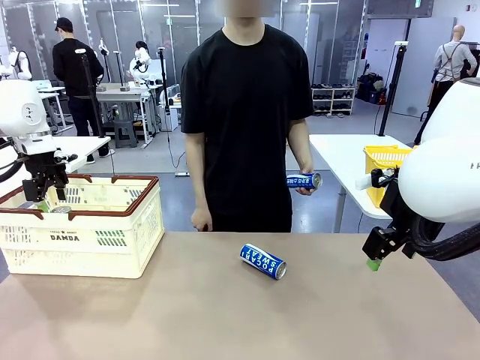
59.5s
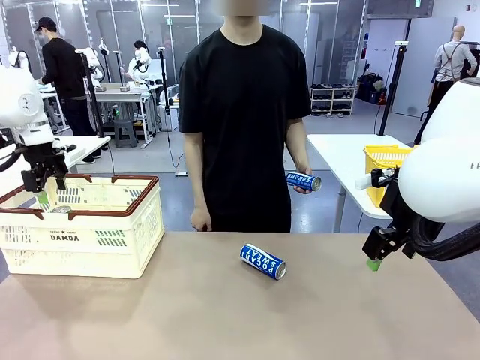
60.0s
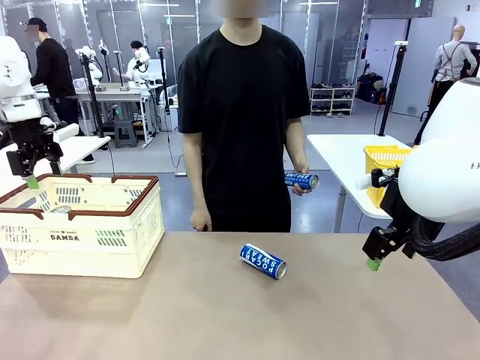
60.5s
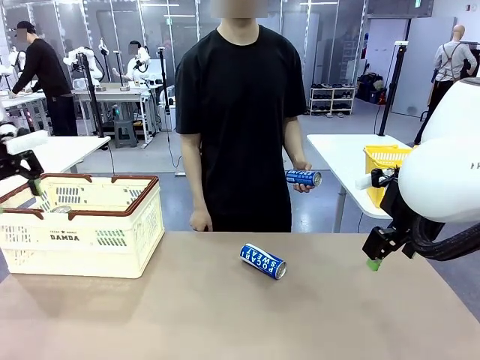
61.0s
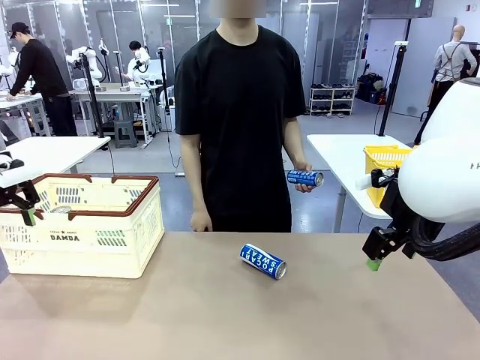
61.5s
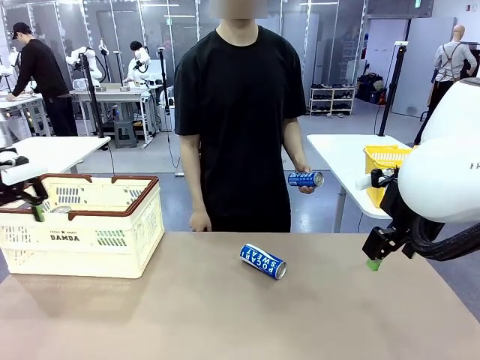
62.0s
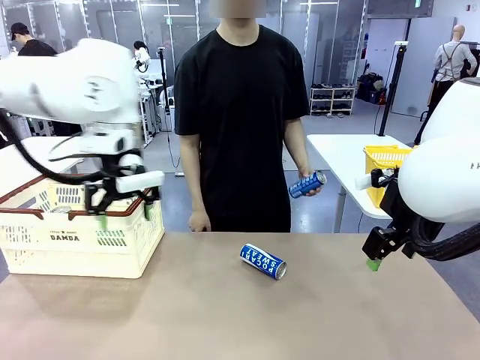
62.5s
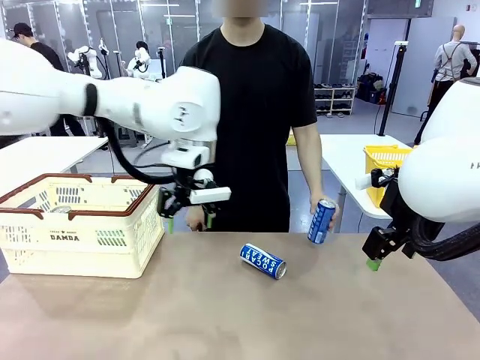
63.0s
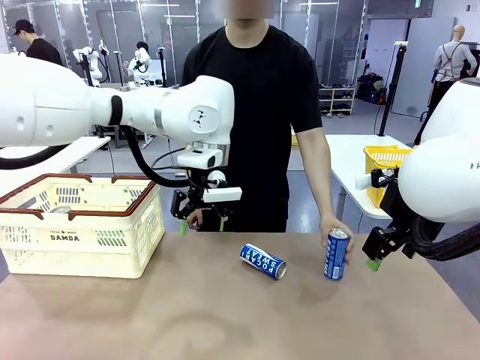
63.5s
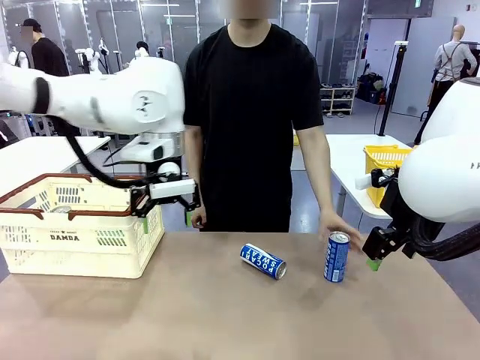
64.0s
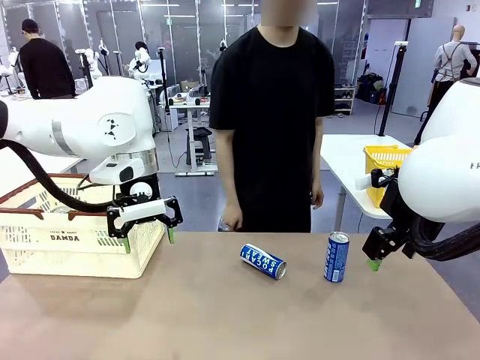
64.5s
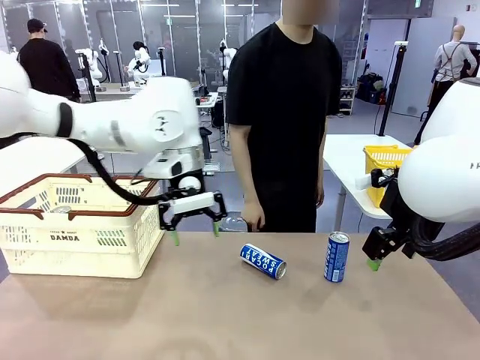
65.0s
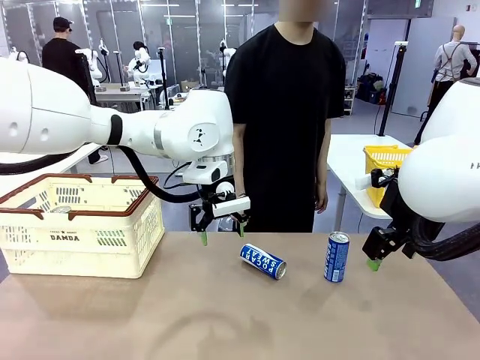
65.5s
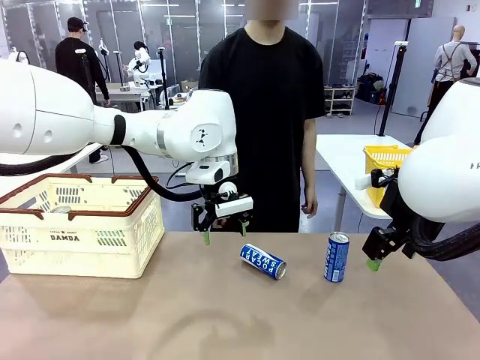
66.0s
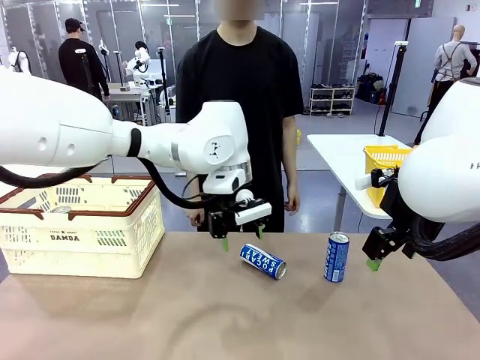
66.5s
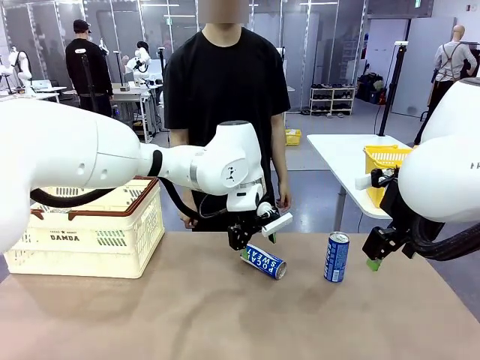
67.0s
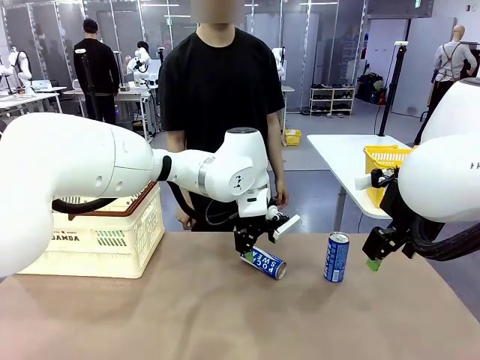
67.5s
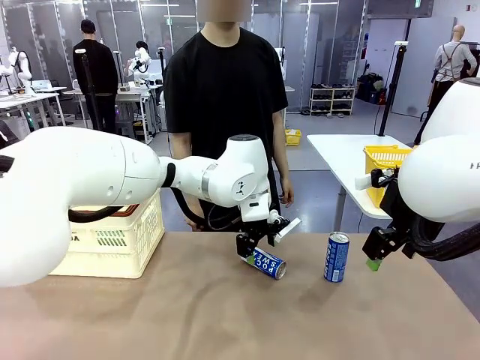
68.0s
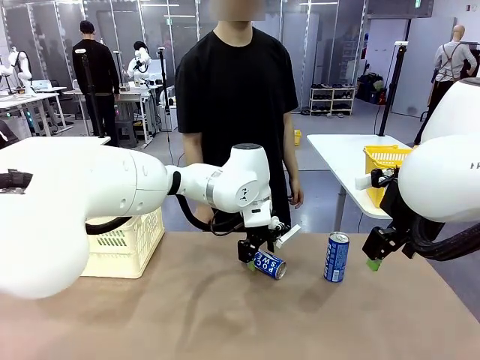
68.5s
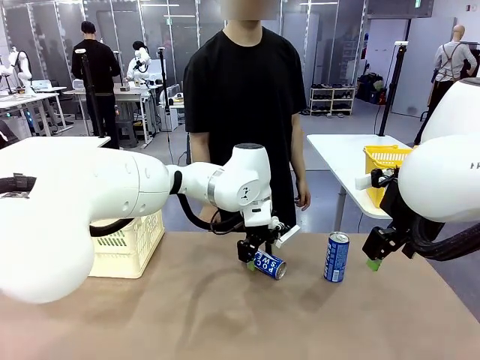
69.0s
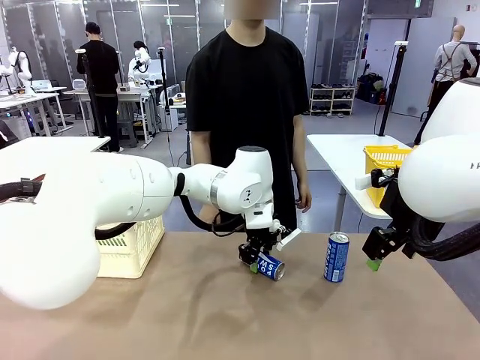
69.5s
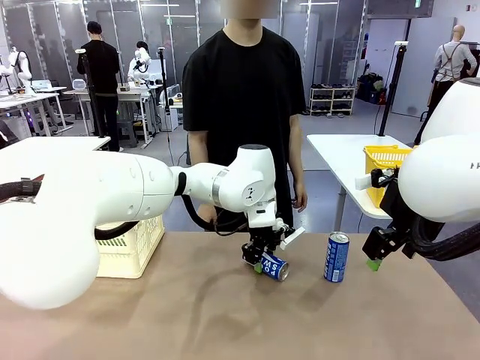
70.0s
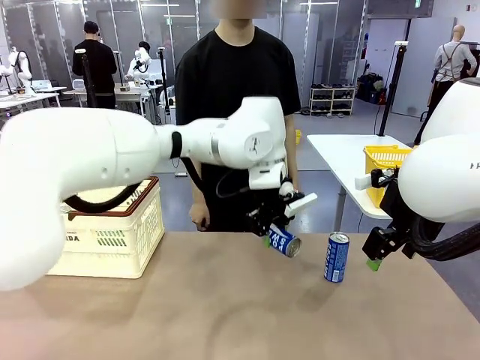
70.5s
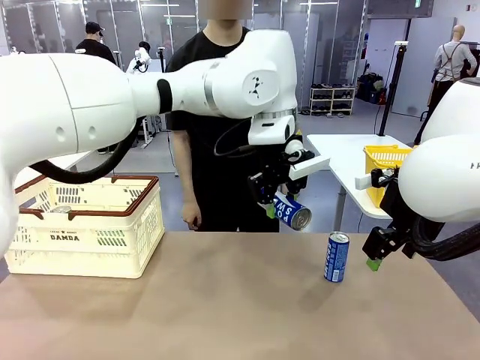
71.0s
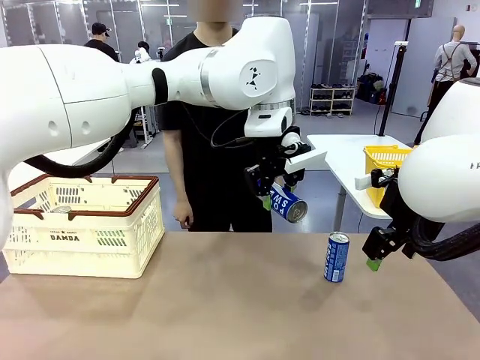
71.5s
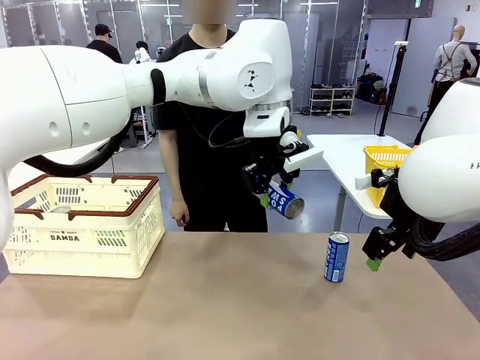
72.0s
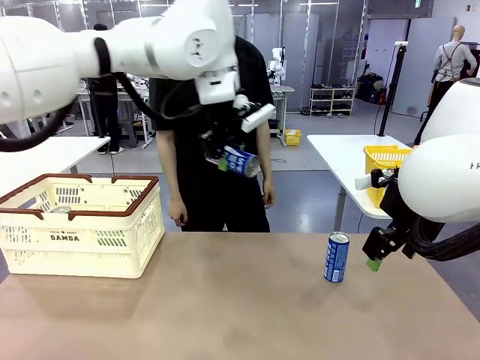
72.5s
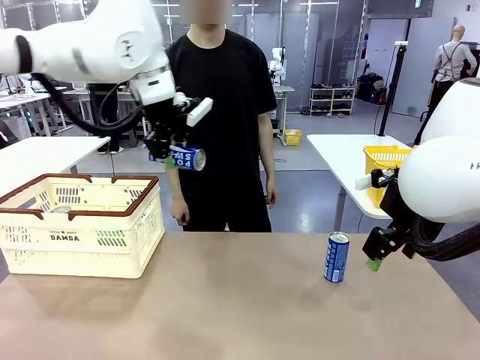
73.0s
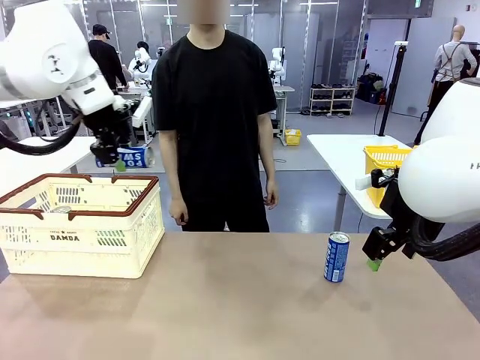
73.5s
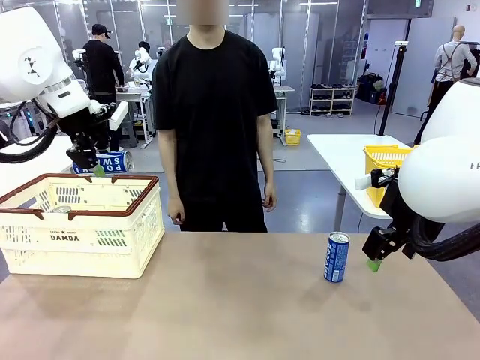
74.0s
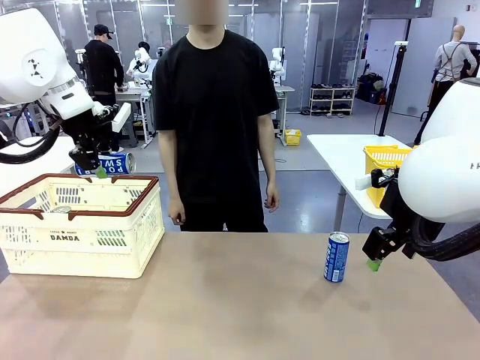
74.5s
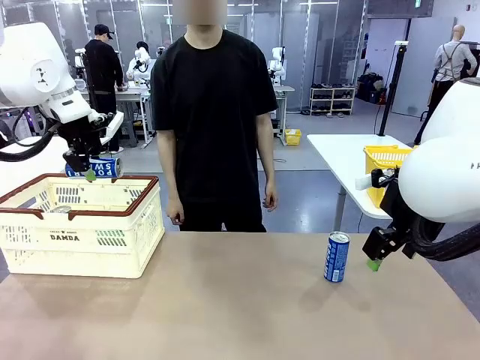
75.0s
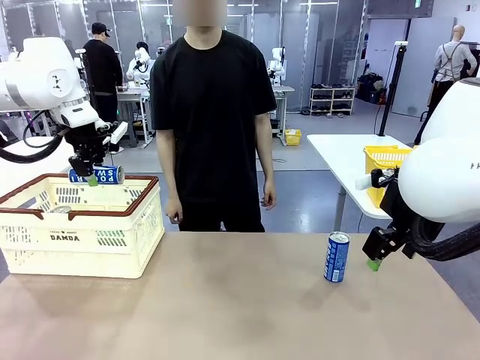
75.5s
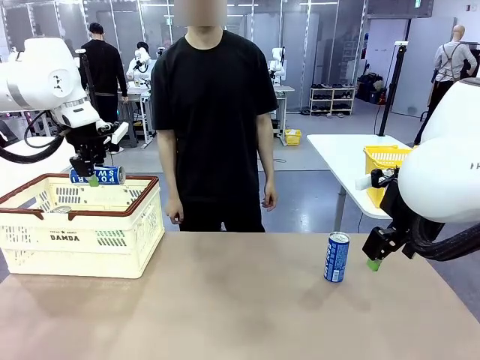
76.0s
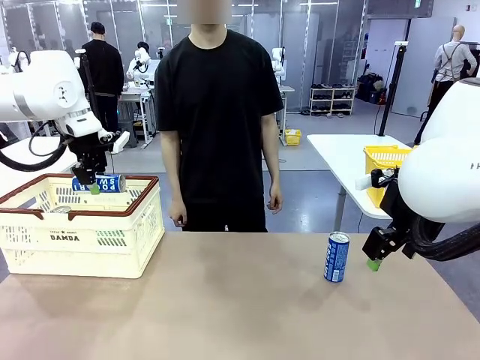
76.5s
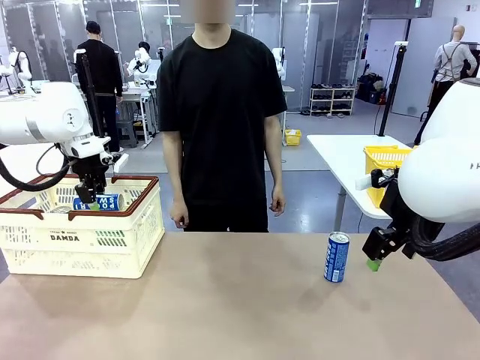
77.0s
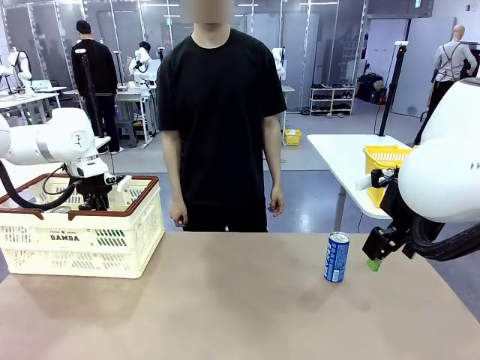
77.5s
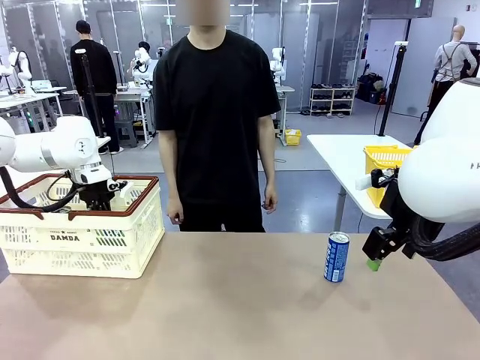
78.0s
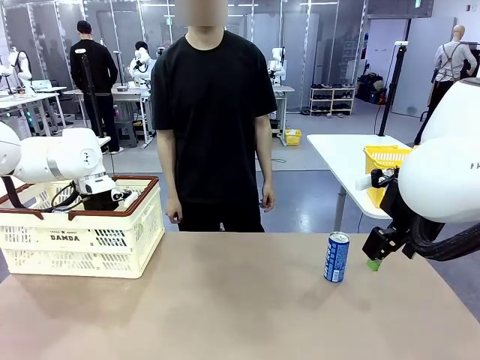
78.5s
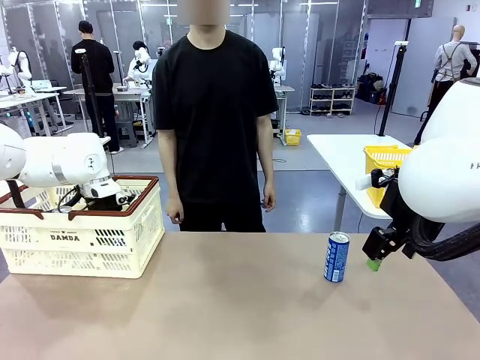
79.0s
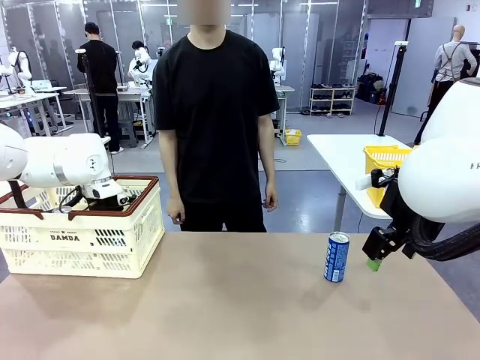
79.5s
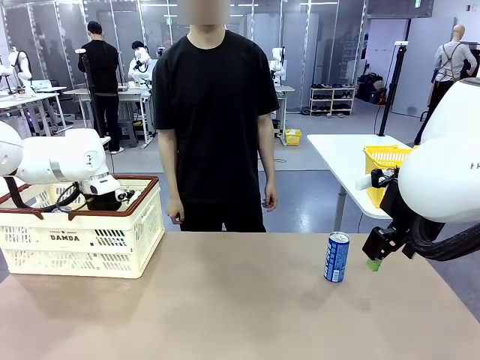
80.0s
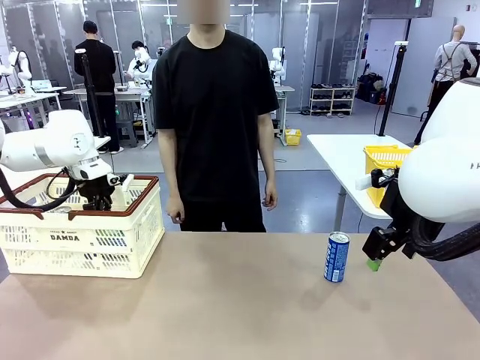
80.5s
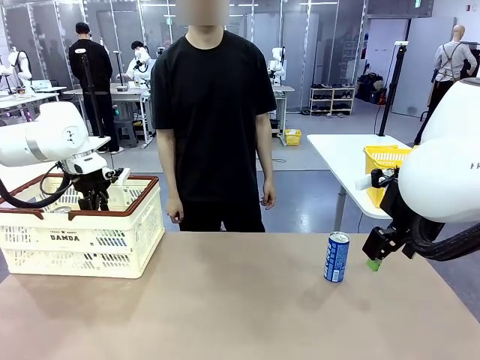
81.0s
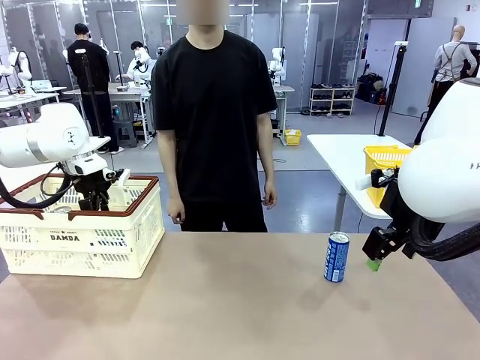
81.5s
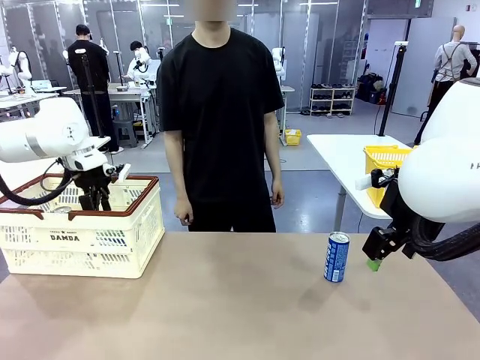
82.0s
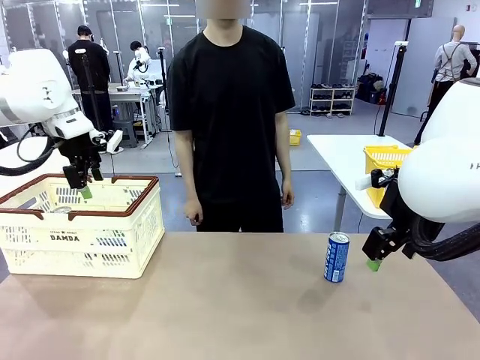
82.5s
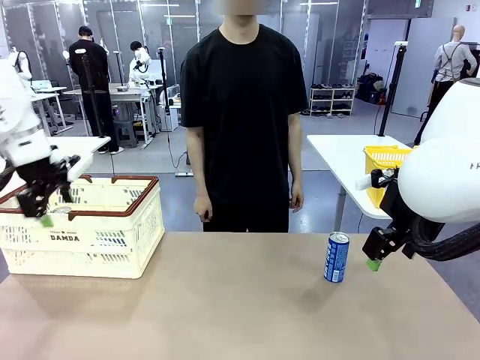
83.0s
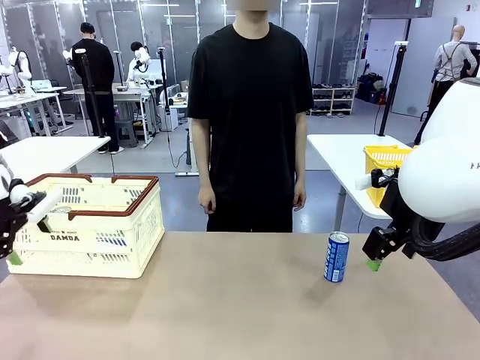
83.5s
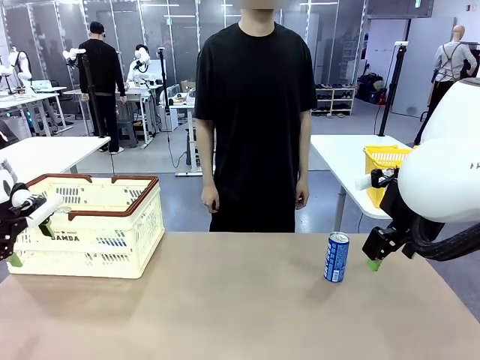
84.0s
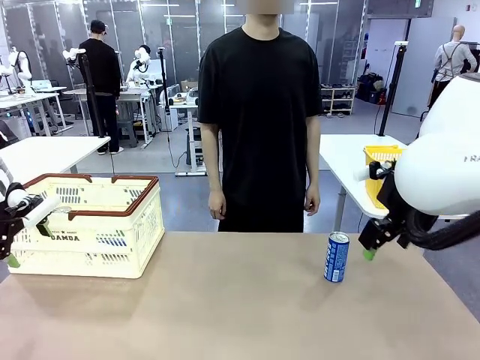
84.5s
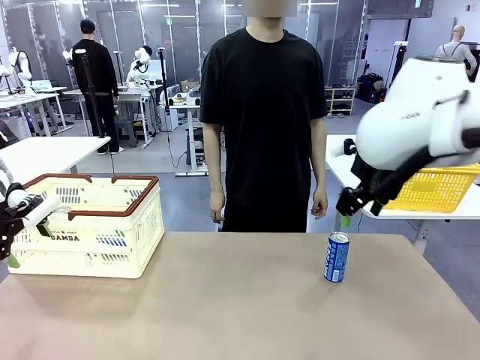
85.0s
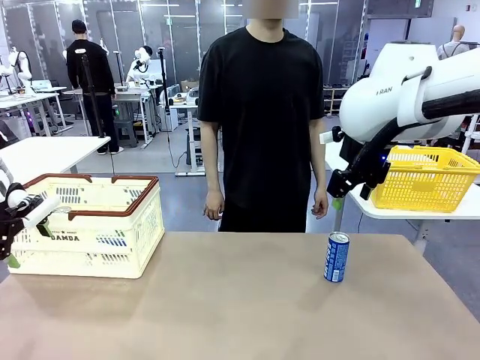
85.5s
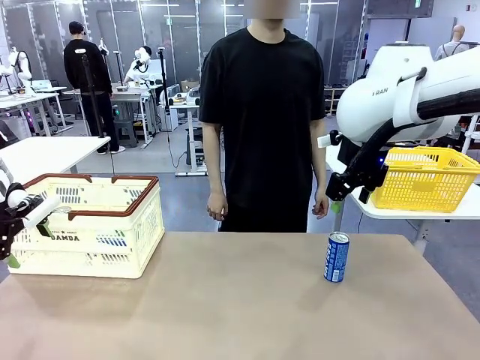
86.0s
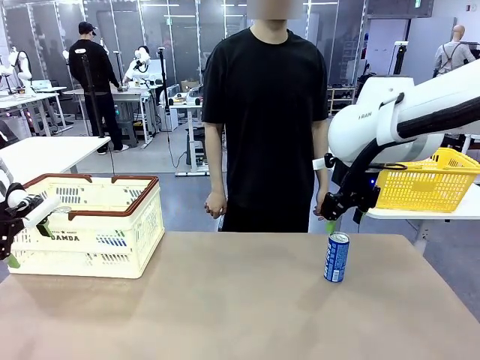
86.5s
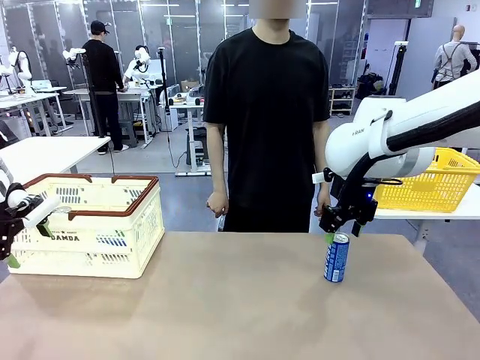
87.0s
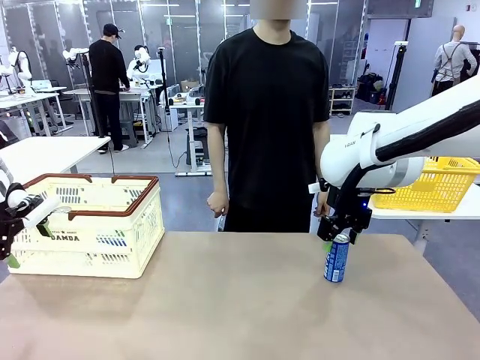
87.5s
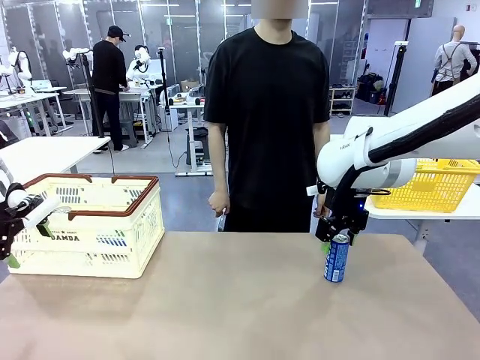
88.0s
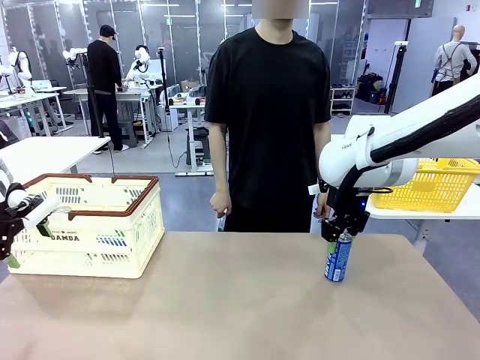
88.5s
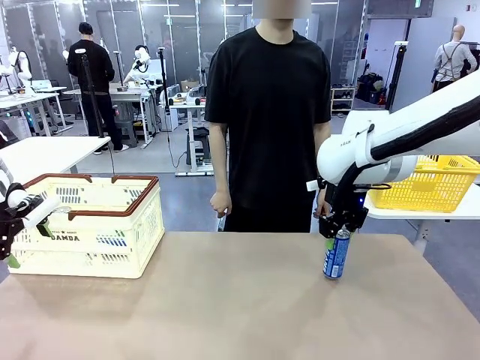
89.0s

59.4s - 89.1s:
Task: Place the drinks into the Shopping basket.
Robot: Pick up one drink and place it into the Shopping basket.
